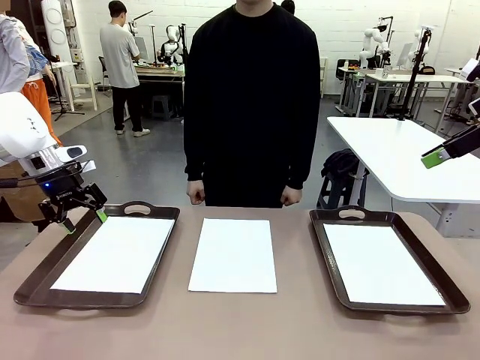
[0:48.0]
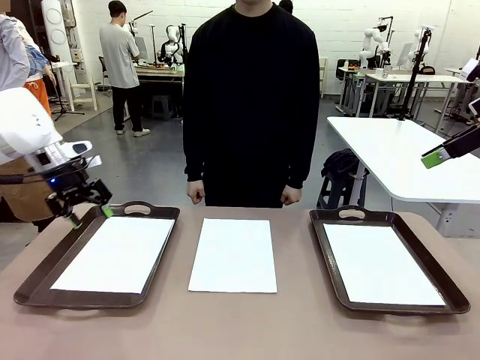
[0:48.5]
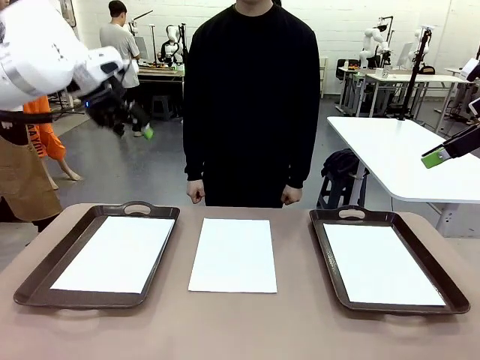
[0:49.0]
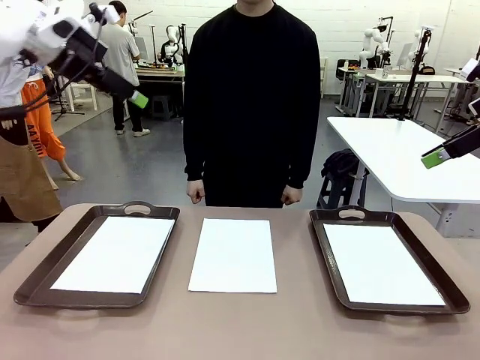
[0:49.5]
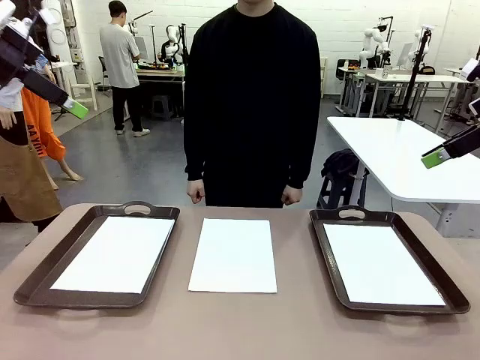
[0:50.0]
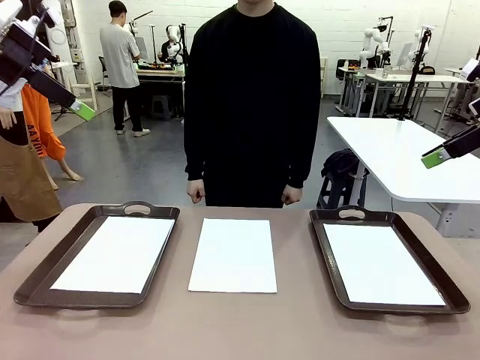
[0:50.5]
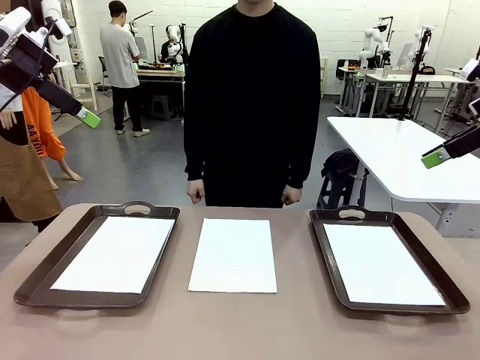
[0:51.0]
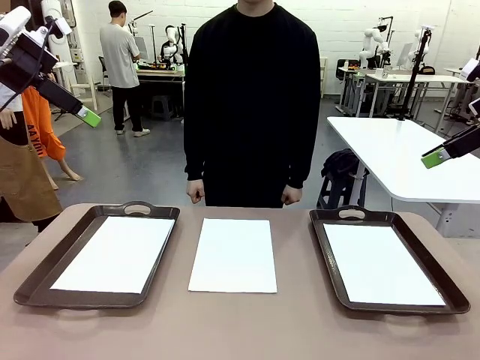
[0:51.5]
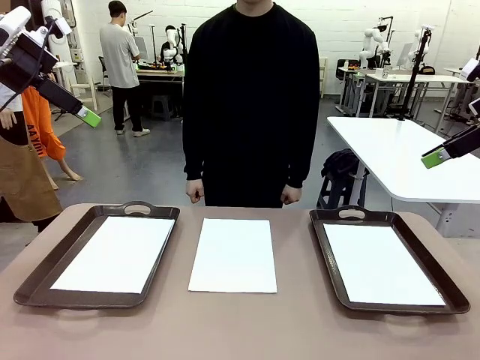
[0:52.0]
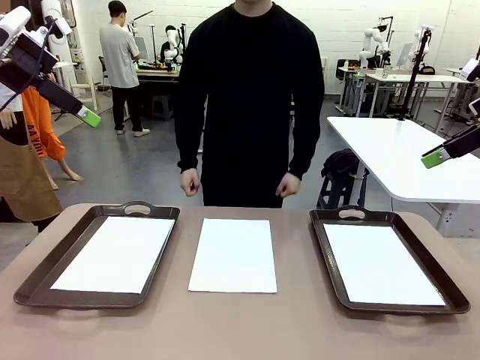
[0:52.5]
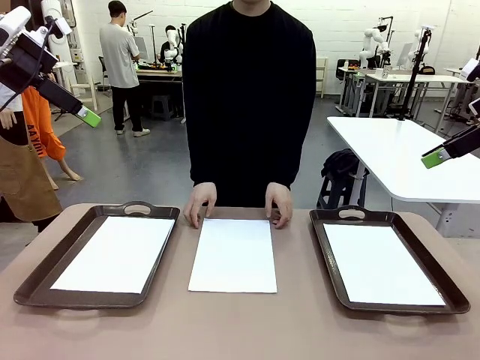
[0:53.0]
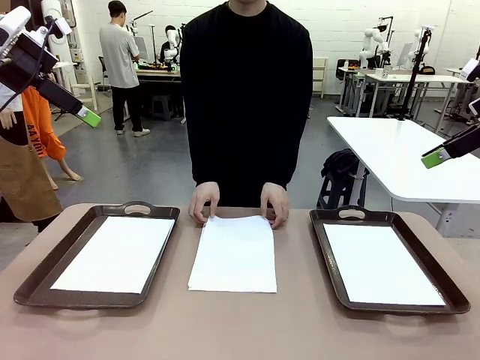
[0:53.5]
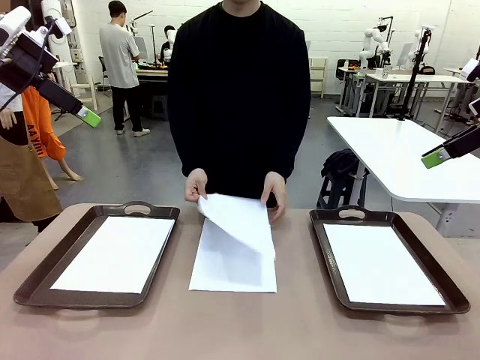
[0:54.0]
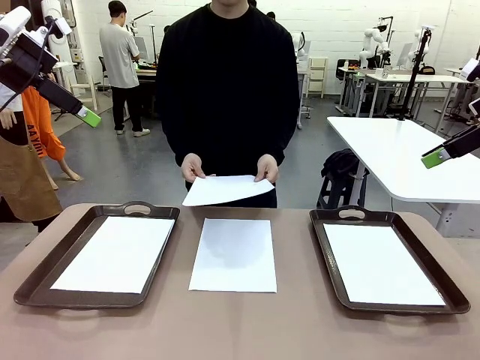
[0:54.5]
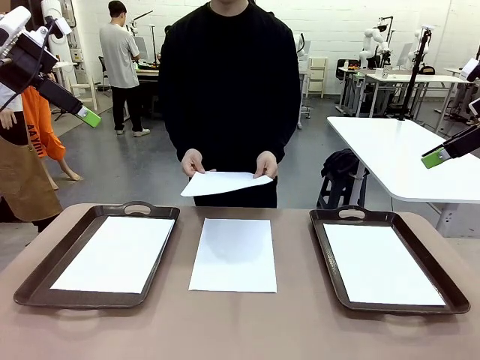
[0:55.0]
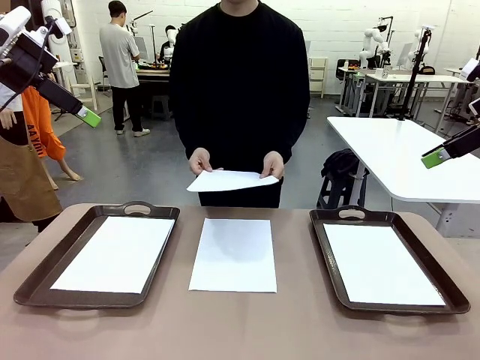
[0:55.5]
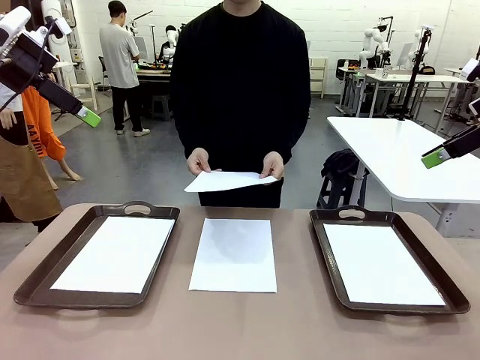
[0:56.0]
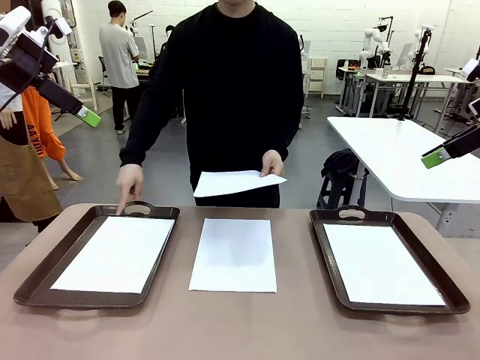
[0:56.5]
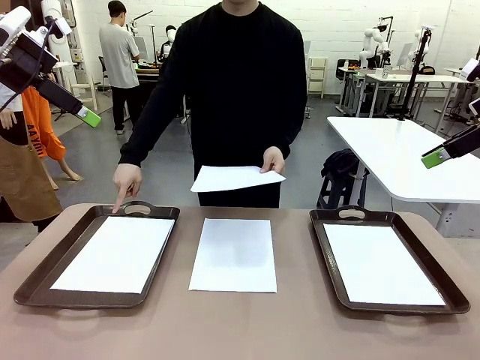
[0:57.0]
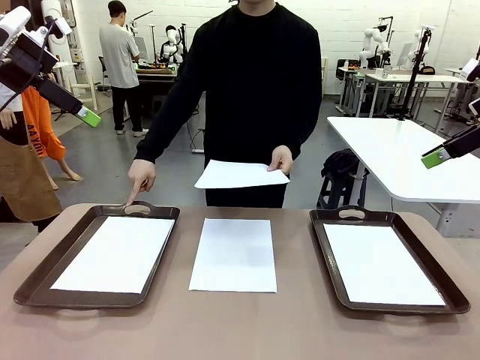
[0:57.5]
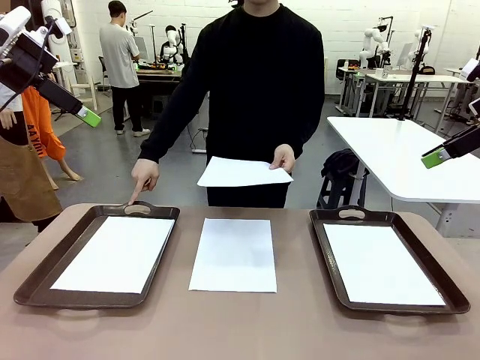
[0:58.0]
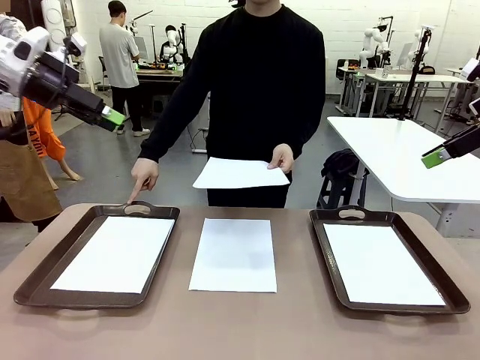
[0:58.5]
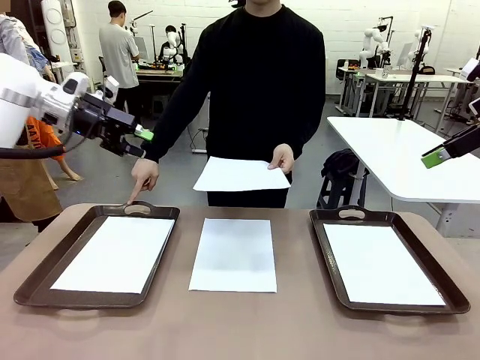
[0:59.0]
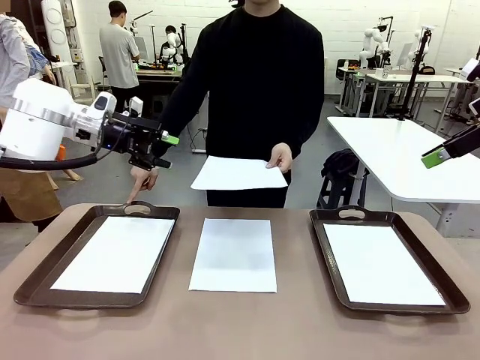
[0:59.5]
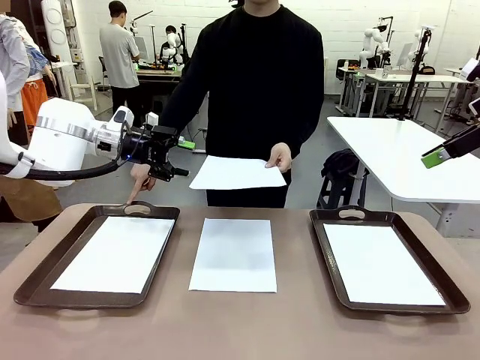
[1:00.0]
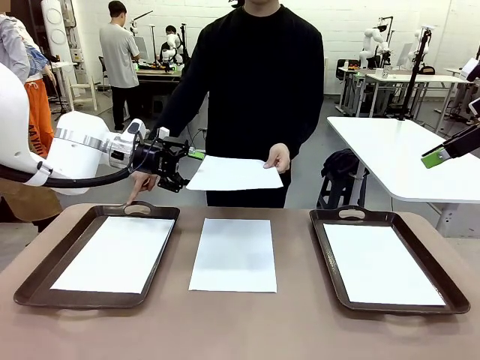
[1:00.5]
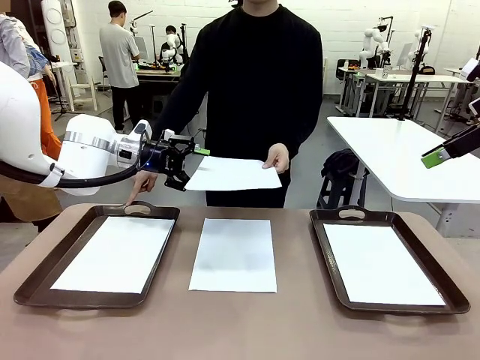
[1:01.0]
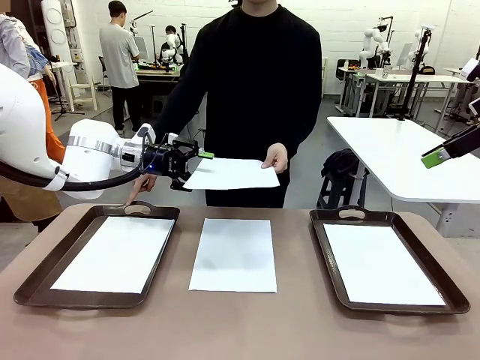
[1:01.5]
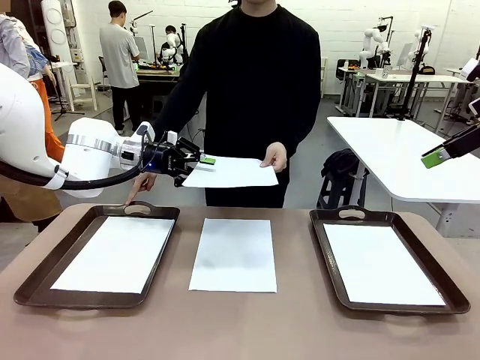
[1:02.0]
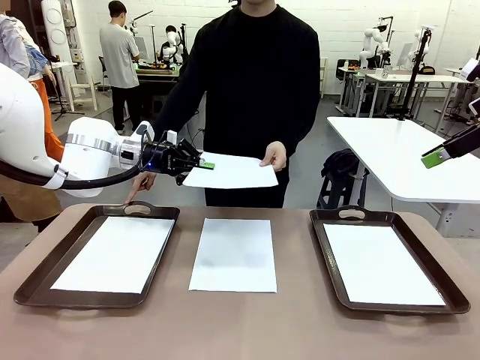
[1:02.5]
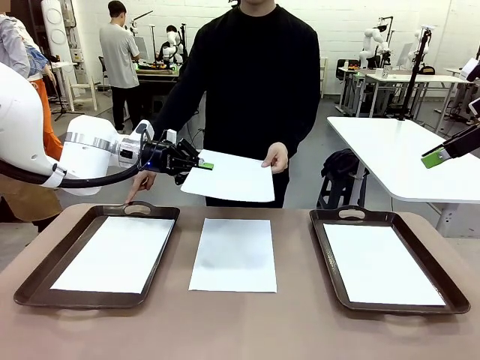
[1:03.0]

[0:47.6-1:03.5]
Task: Sort the A4 documents.
Robot: Receive the A4 Paper.
Person: Point the randomly selected tray with the other hand.

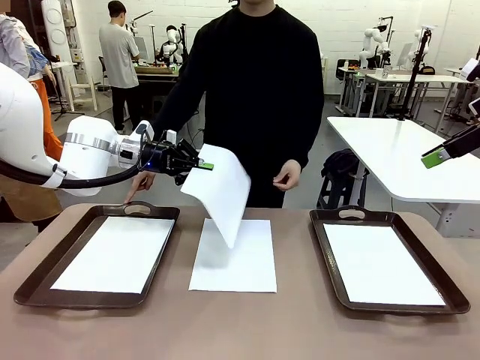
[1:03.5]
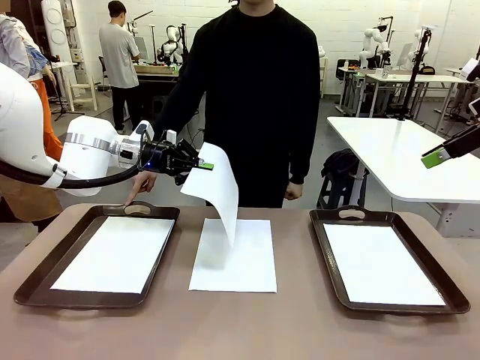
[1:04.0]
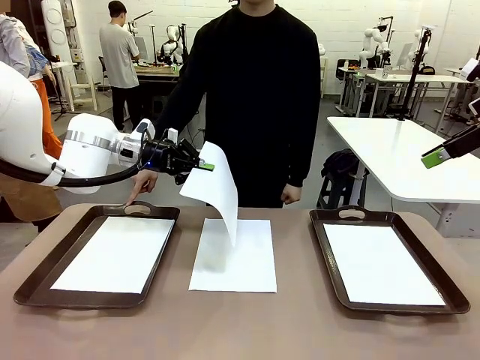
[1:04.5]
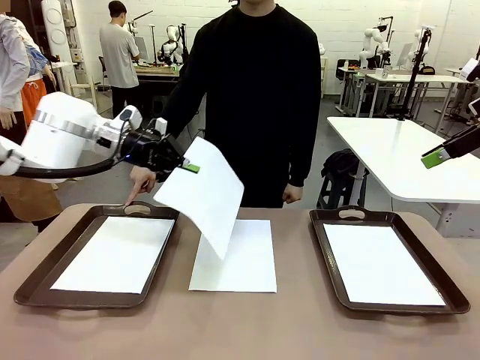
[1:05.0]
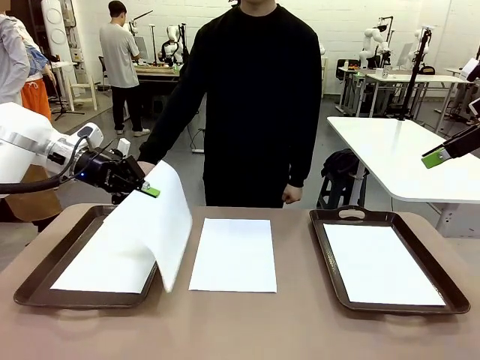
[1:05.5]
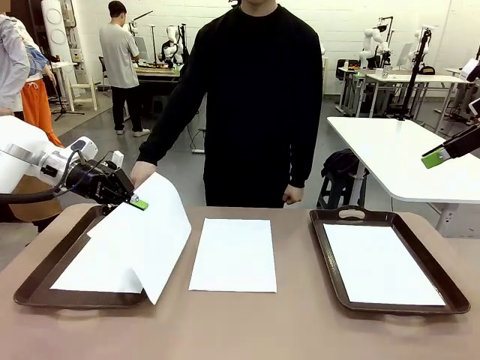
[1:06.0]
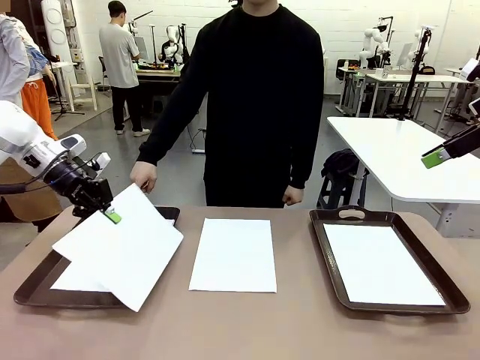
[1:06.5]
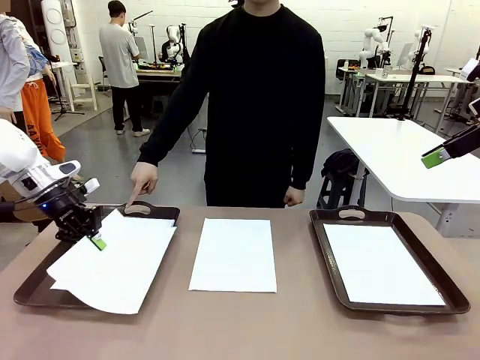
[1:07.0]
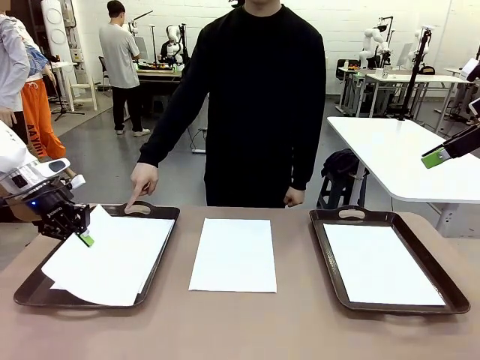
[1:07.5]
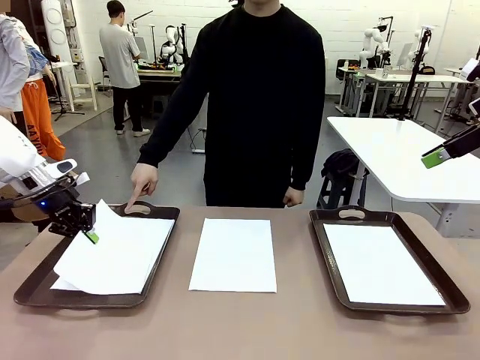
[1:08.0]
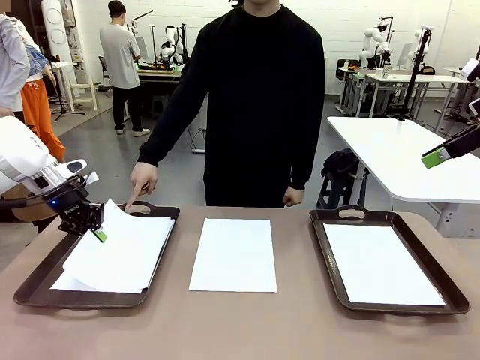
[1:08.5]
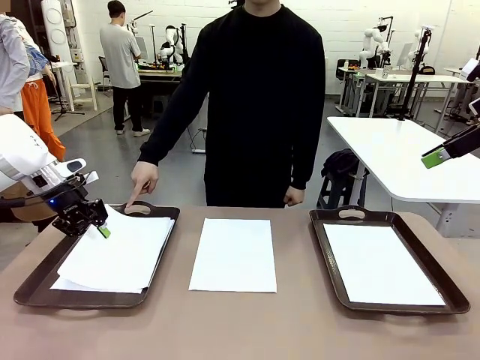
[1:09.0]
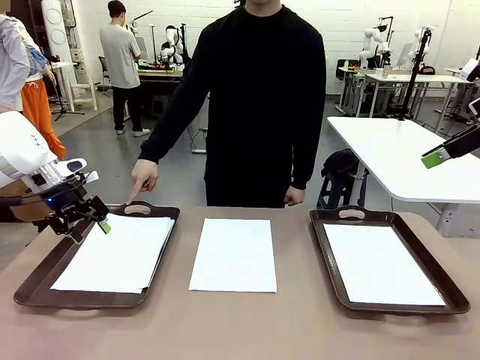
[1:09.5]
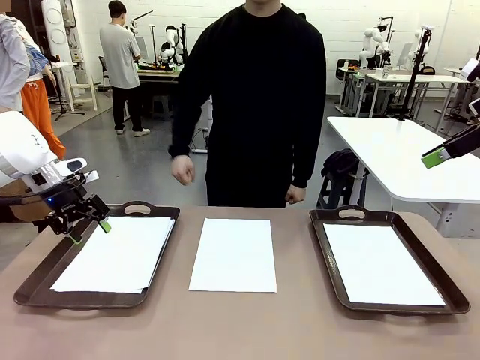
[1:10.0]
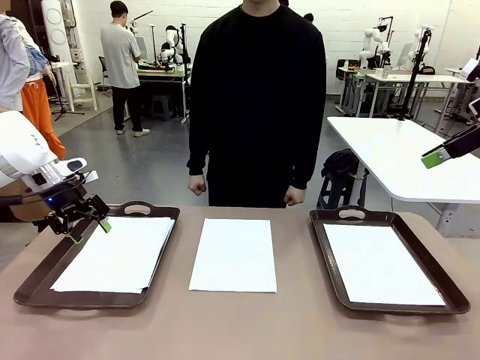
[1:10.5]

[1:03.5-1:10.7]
Robot: Place the A4 Paper in the designated Handle tray.
